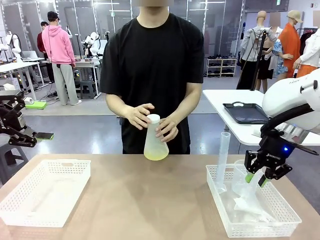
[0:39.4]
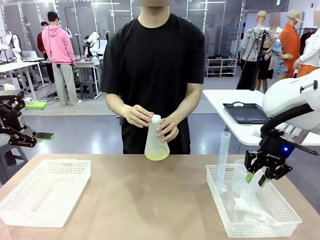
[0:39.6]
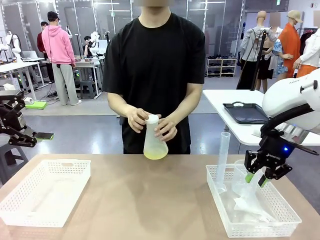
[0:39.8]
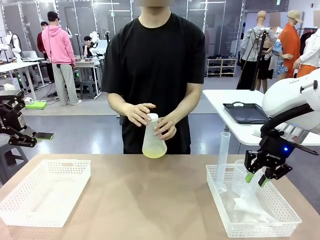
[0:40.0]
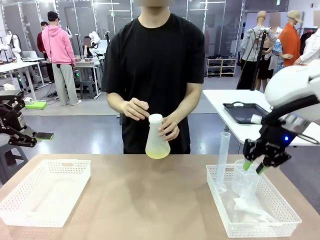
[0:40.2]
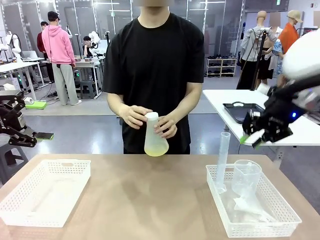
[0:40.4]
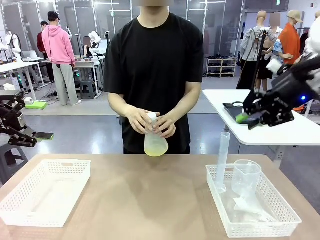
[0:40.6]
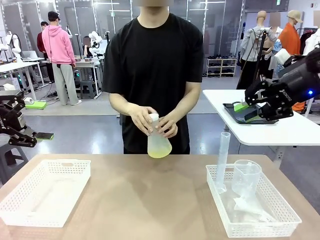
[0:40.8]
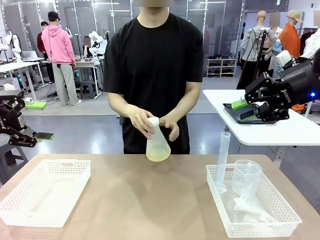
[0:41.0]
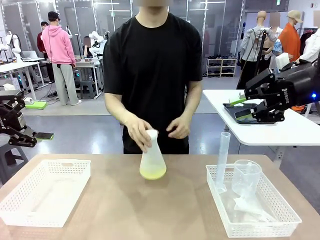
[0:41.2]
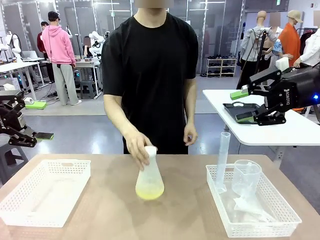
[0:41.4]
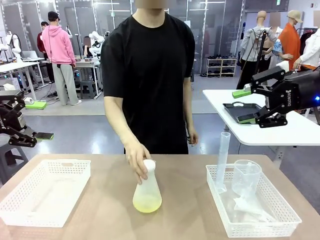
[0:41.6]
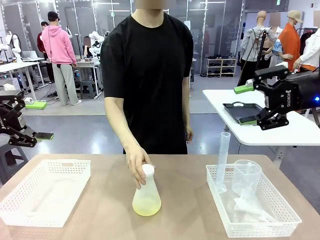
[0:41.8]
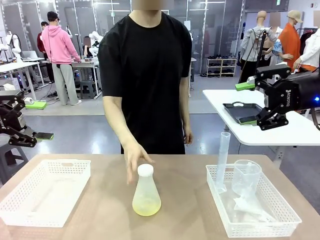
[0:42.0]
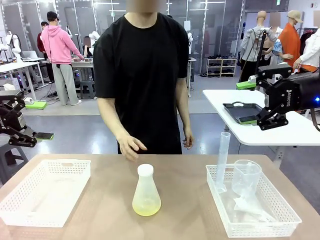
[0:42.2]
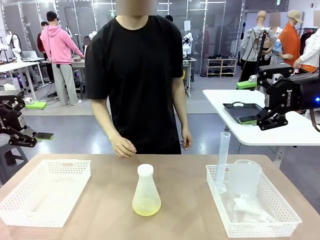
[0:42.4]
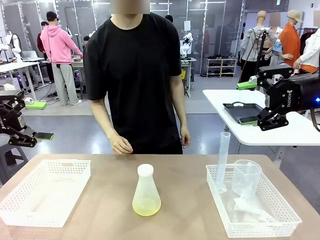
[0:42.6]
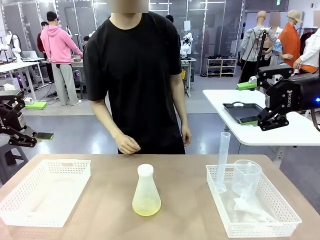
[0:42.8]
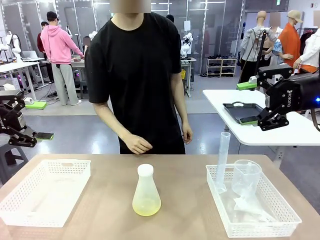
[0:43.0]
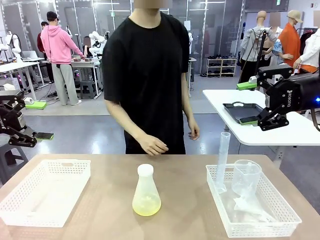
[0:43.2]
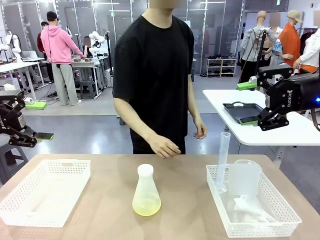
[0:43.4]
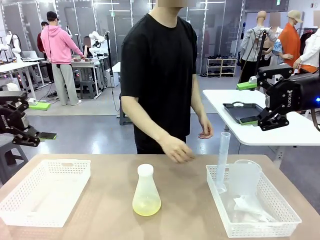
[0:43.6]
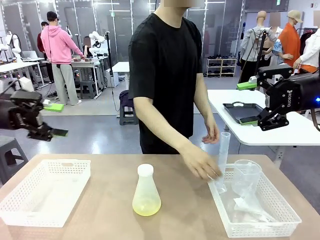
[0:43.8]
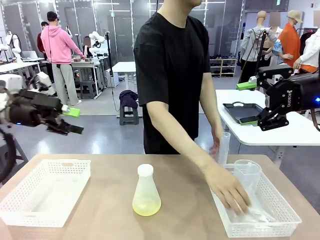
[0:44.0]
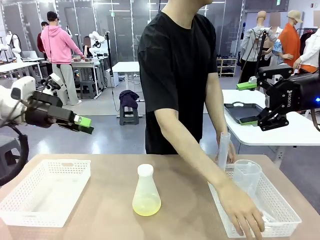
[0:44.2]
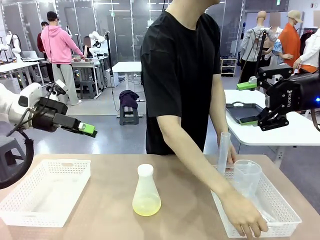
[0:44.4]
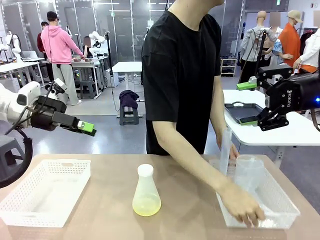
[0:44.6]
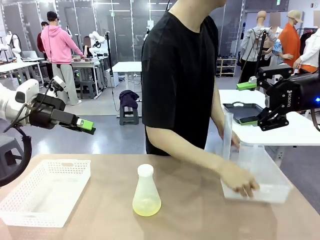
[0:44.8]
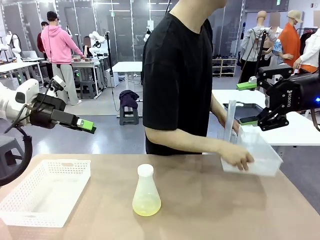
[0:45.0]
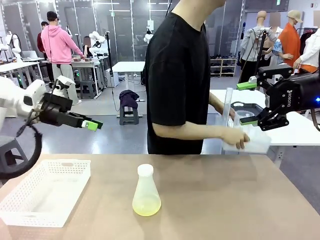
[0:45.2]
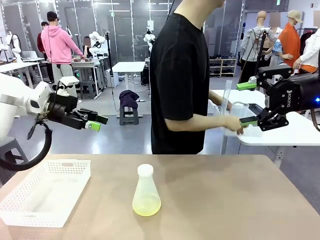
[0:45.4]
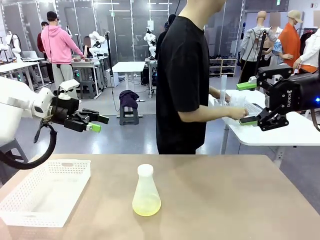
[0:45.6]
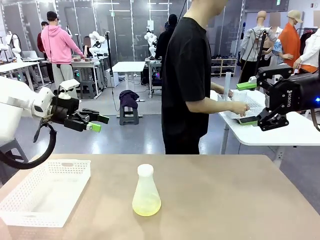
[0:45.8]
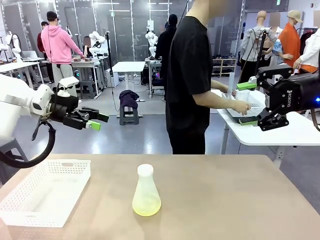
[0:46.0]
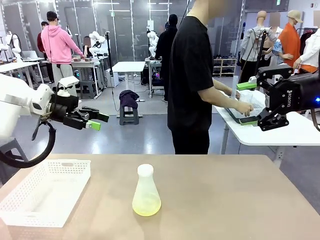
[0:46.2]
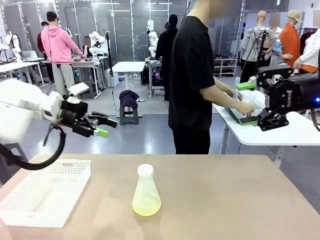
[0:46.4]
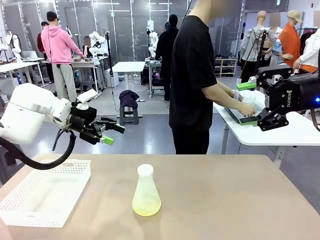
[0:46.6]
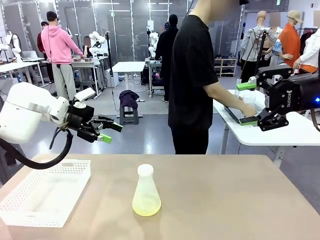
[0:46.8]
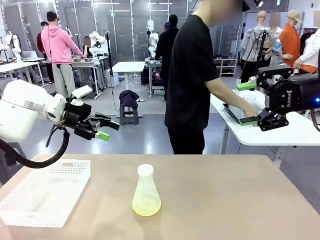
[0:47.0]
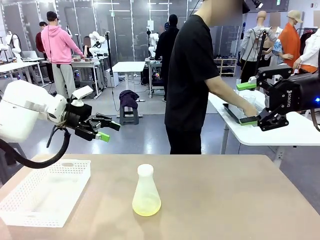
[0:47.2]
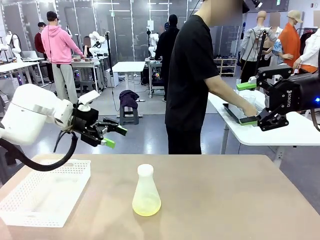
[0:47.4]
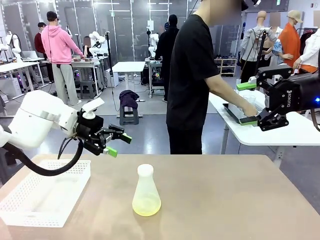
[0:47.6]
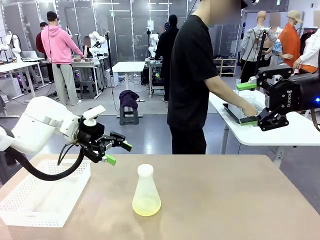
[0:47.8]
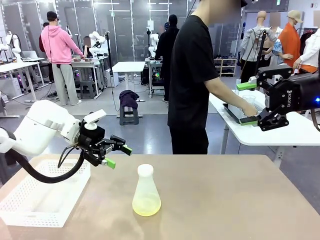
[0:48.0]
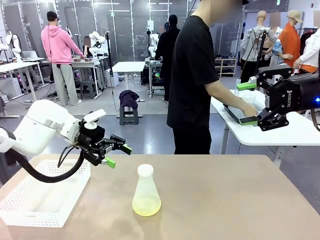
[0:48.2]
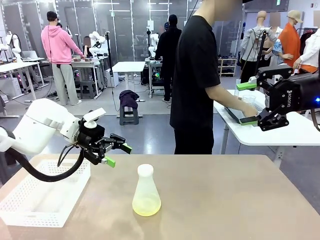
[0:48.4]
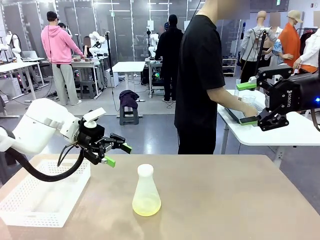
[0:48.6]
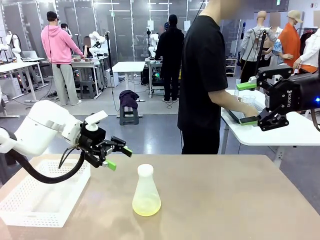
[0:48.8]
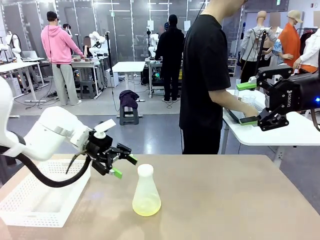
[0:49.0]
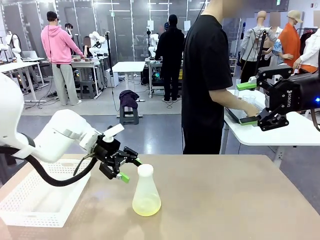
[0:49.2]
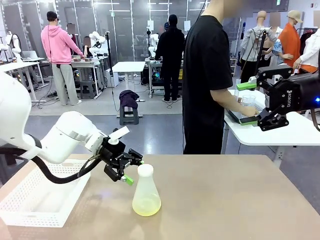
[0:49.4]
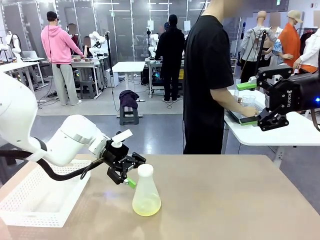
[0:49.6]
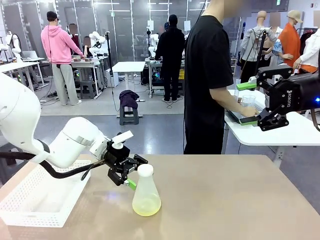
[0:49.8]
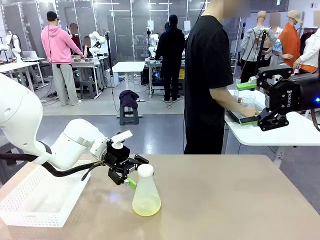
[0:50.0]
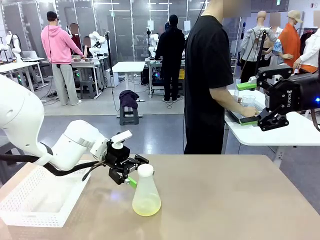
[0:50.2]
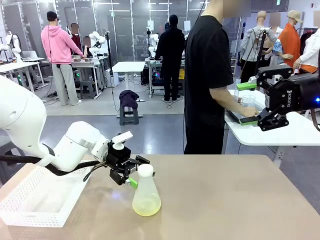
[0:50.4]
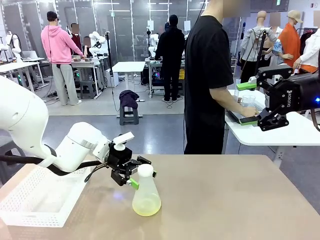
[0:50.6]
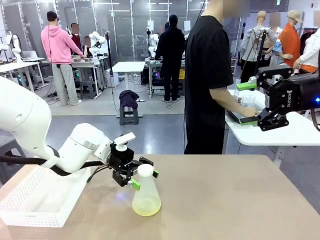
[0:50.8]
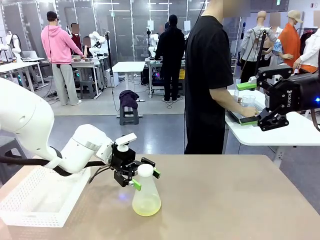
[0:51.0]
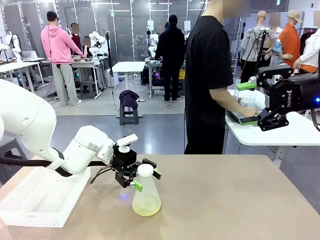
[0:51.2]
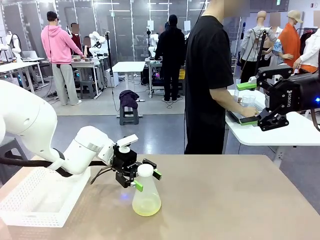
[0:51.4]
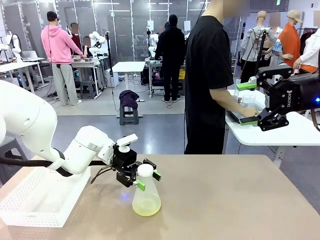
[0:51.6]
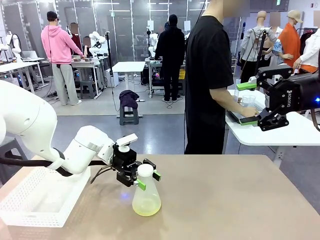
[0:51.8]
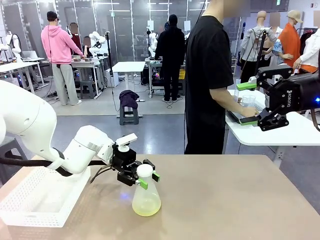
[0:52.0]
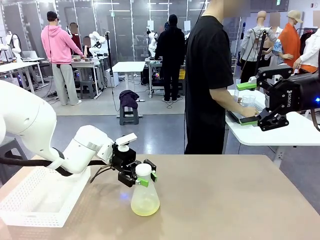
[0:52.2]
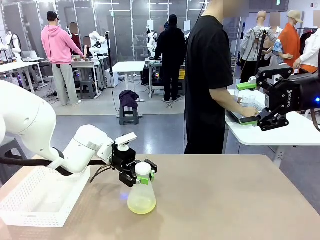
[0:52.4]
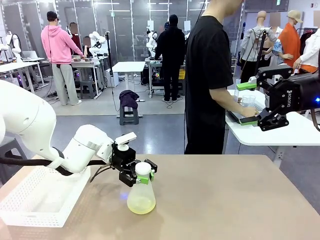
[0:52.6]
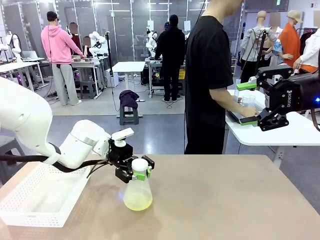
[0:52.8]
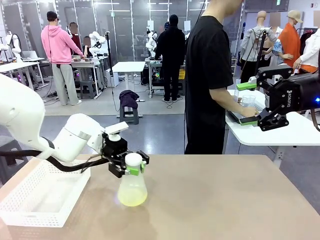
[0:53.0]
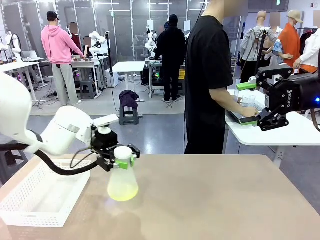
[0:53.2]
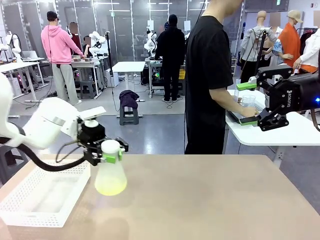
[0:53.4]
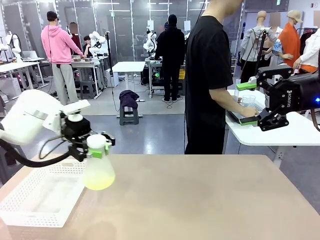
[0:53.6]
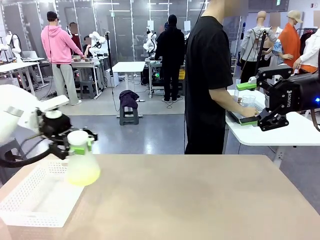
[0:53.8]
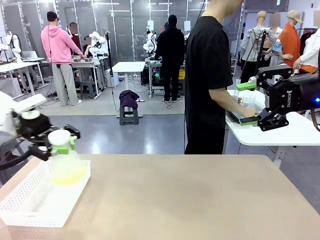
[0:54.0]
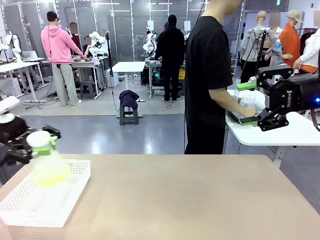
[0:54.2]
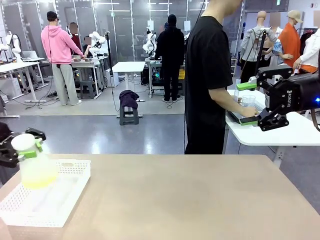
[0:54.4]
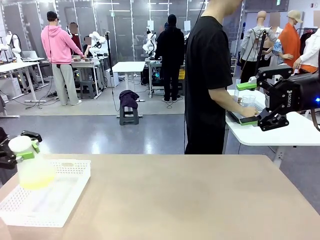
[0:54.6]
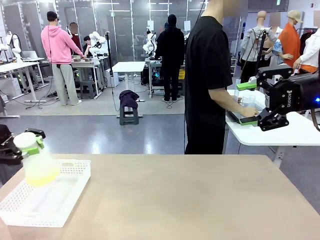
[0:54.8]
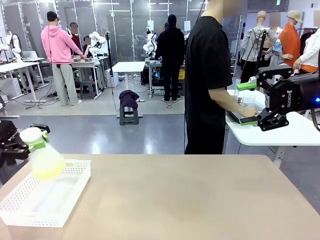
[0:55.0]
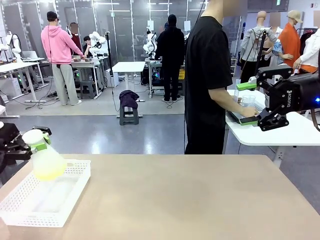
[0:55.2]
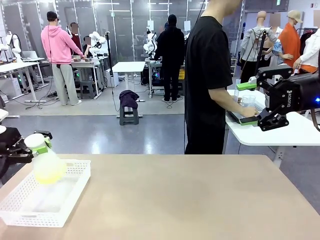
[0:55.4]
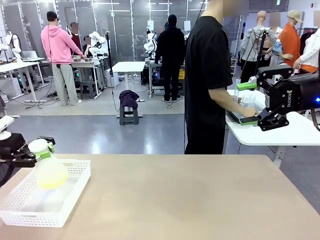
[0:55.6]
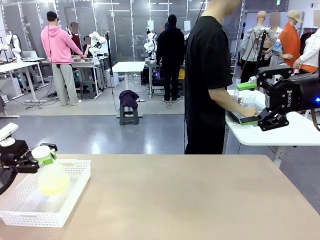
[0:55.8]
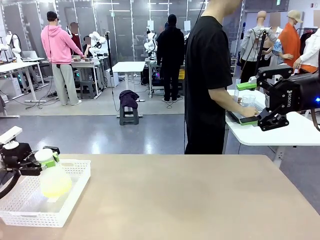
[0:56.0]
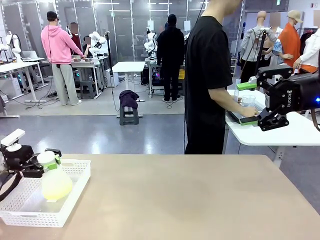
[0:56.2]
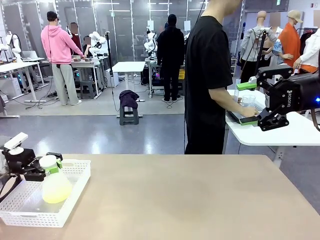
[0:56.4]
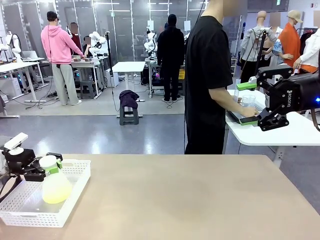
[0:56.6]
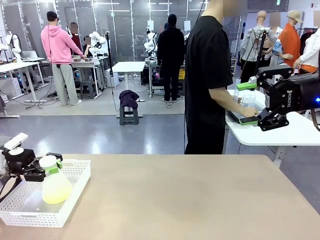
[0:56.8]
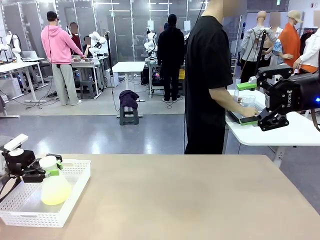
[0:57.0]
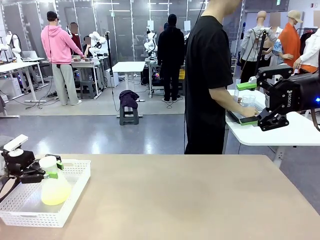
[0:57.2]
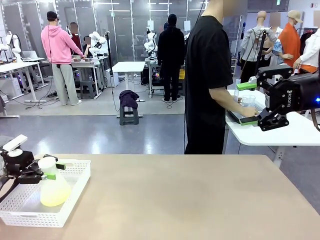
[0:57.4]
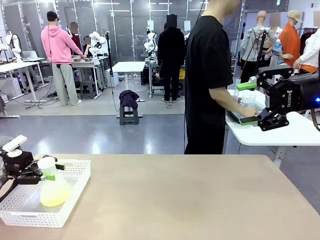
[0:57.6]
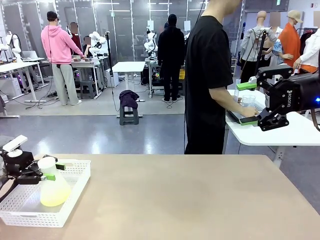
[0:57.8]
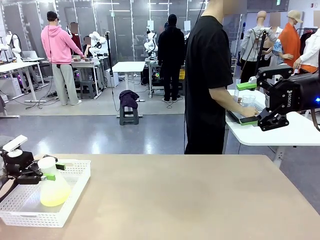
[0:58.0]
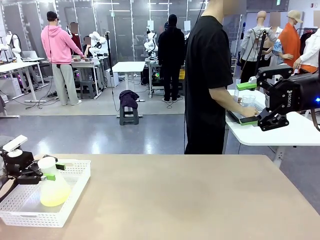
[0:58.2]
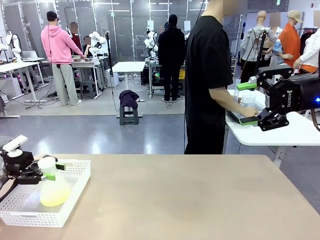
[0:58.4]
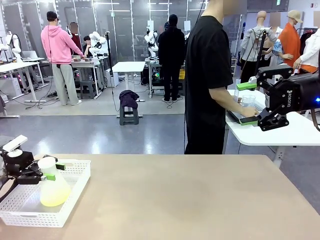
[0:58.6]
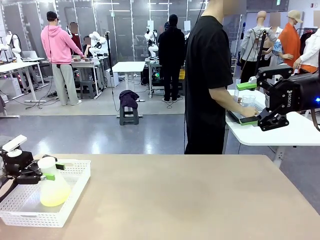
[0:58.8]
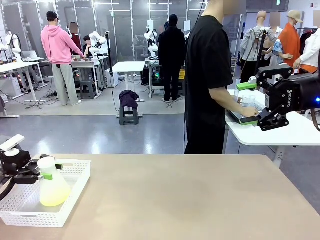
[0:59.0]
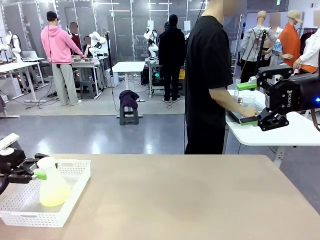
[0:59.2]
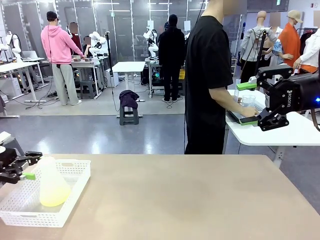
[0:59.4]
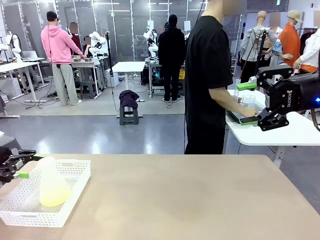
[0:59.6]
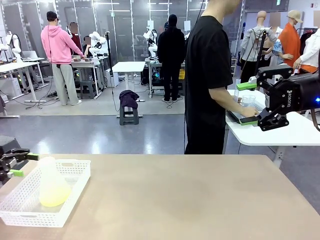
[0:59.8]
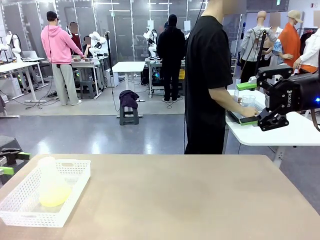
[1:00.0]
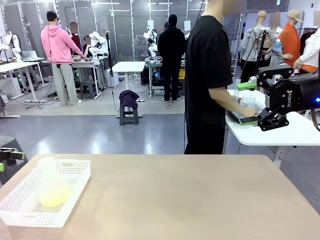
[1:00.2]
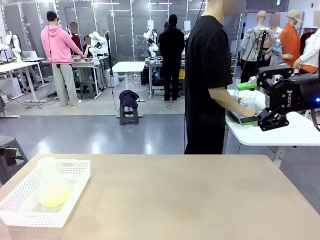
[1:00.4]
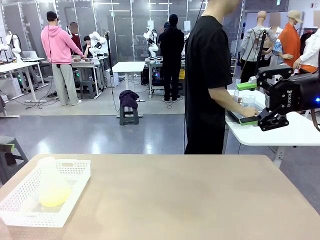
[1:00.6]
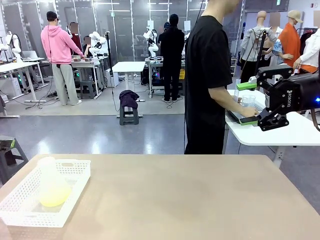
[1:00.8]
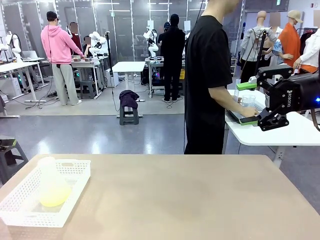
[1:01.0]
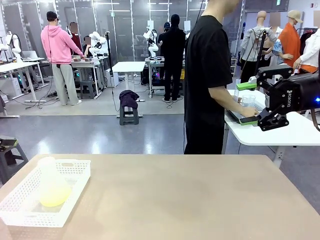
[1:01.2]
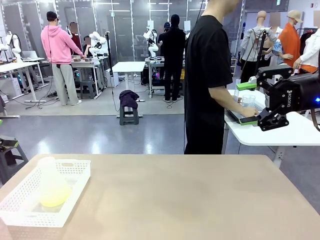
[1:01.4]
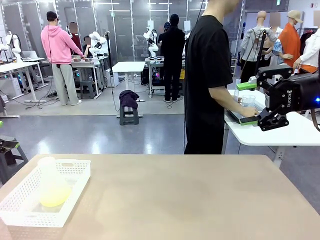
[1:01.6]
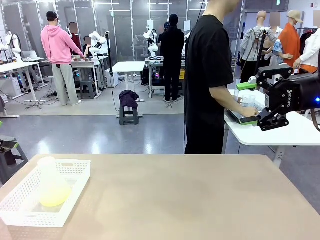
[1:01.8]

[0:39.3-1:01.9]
Task: Prepare the solutions needed for the experiment.
Robot: When the human places the Big flask in the center of the table, pick up the Big flask and place it in the left Organizing basket.
Person: Pick up the organizing basket on the left side of the robot table and place it on the left side of the human table.
